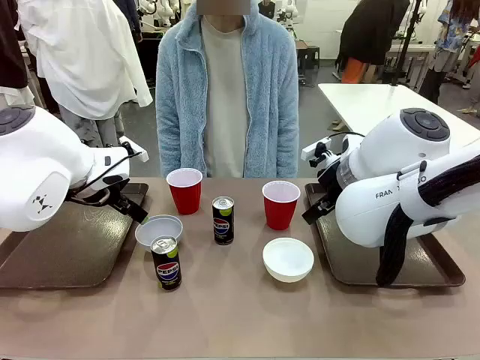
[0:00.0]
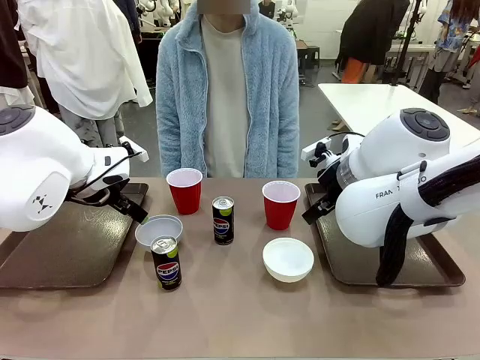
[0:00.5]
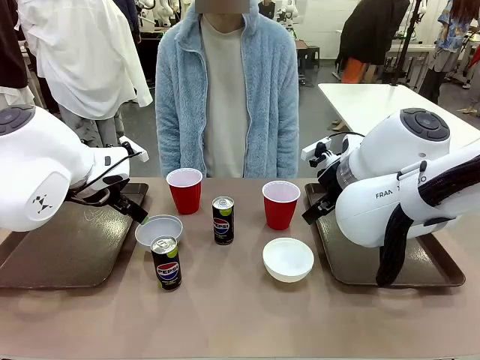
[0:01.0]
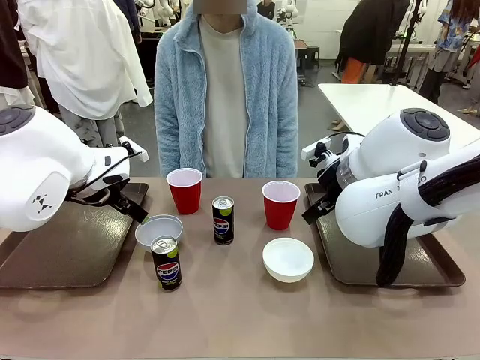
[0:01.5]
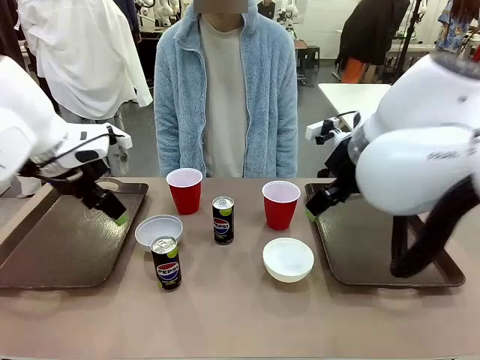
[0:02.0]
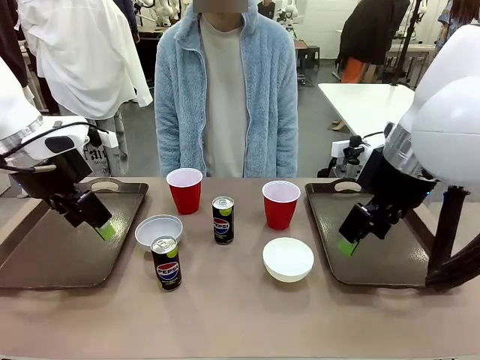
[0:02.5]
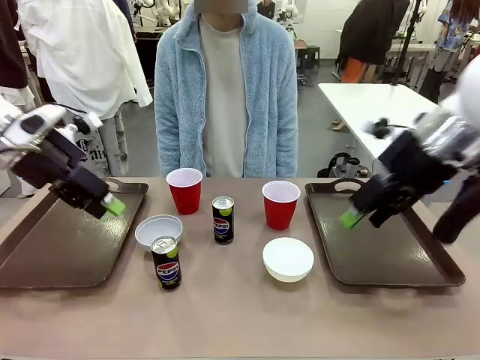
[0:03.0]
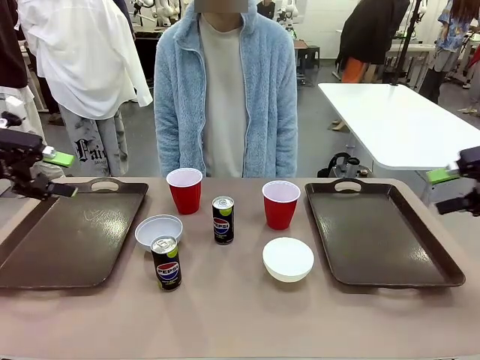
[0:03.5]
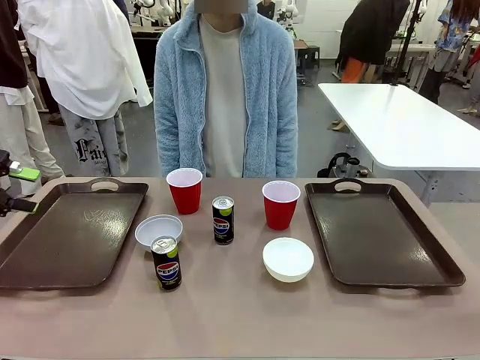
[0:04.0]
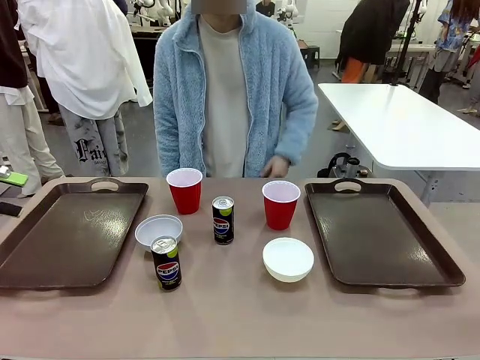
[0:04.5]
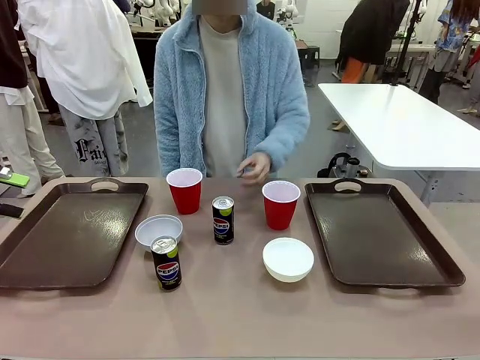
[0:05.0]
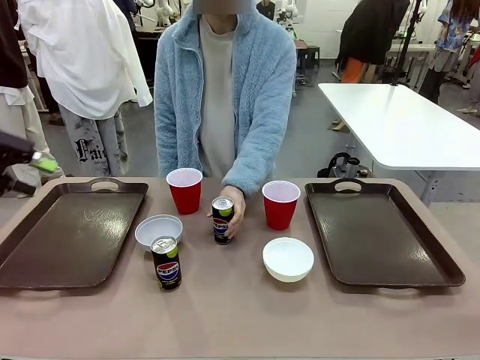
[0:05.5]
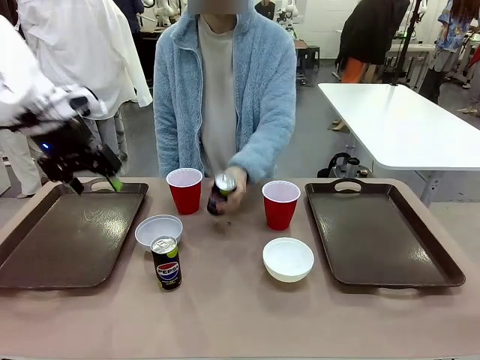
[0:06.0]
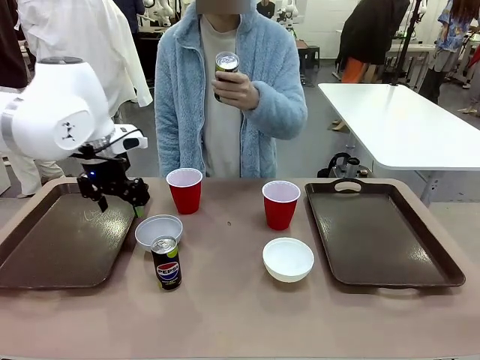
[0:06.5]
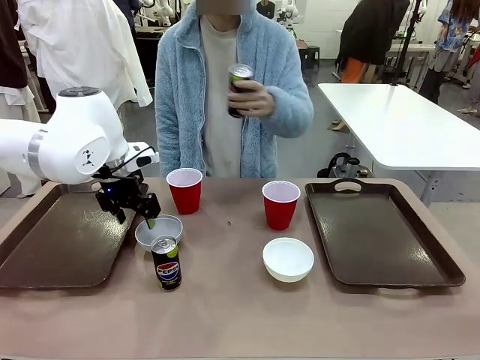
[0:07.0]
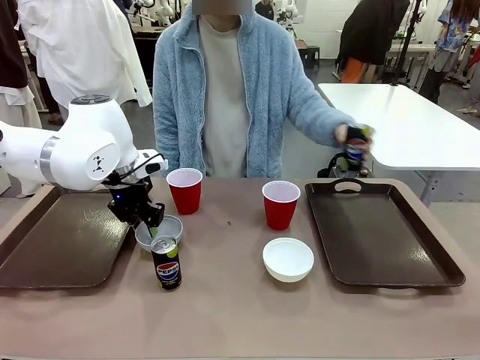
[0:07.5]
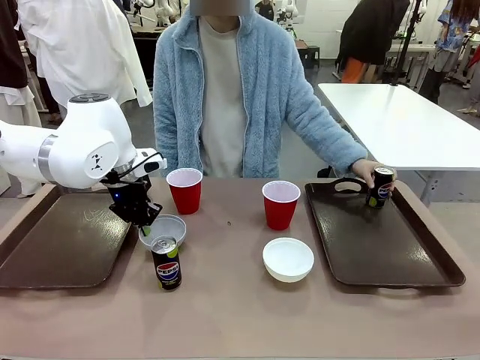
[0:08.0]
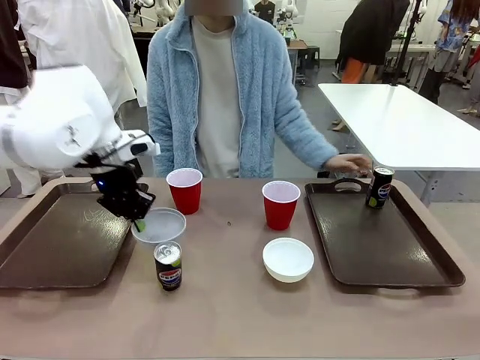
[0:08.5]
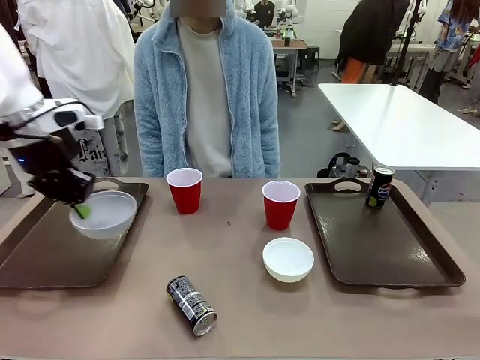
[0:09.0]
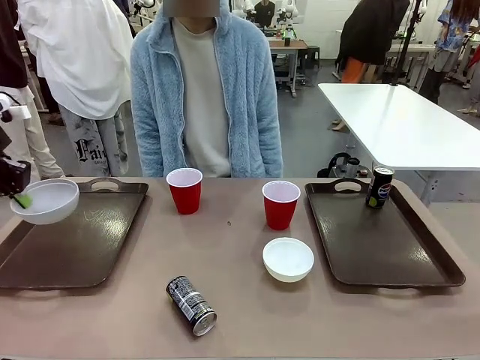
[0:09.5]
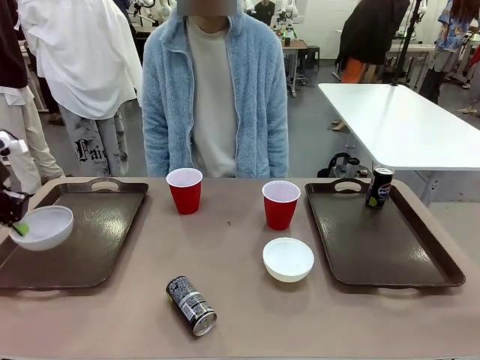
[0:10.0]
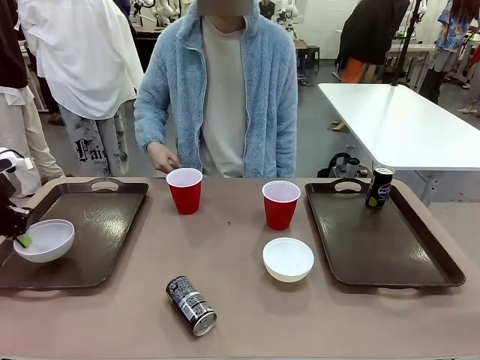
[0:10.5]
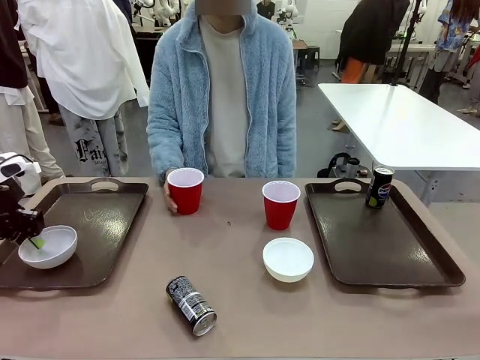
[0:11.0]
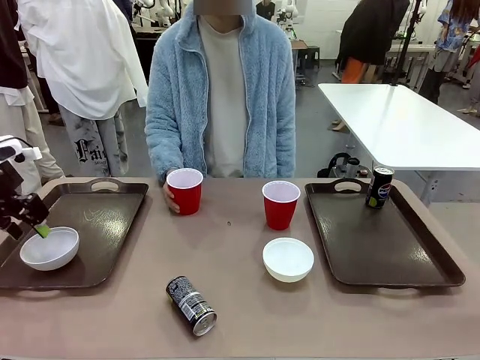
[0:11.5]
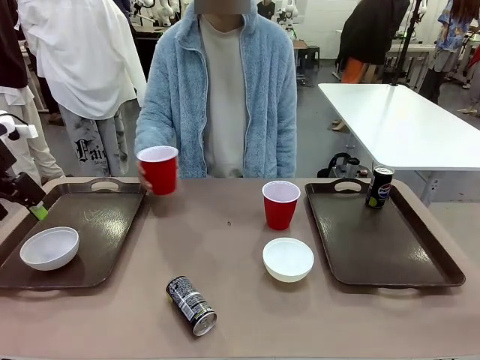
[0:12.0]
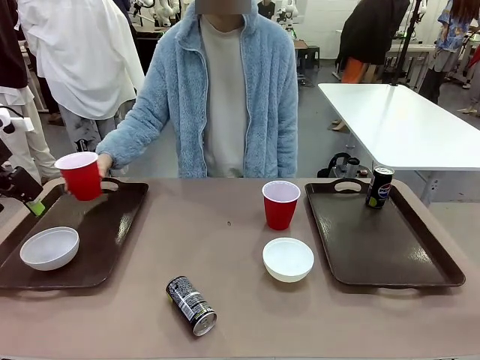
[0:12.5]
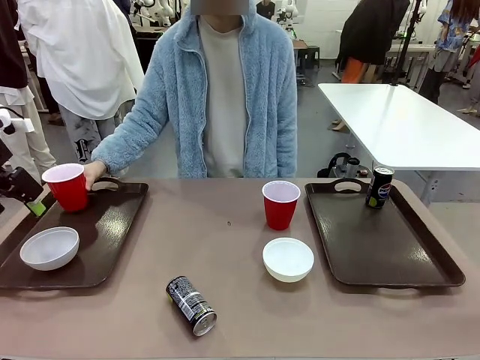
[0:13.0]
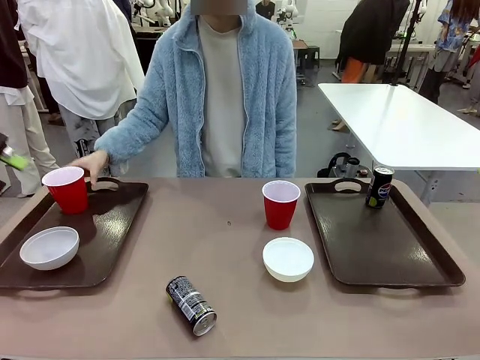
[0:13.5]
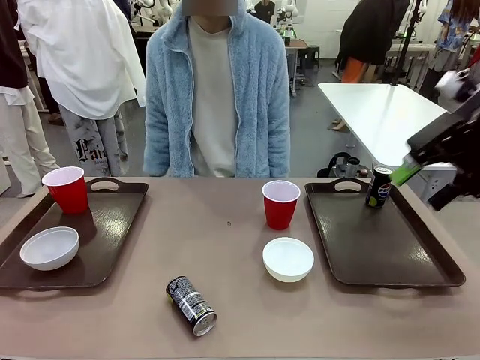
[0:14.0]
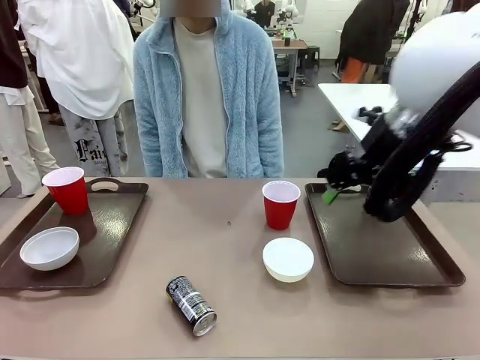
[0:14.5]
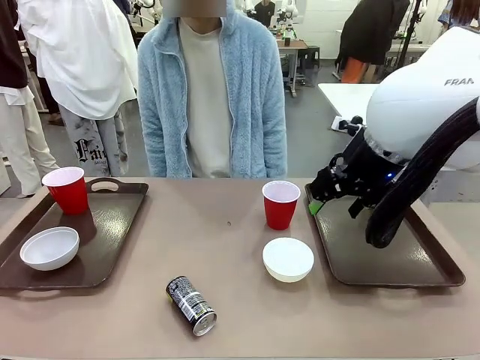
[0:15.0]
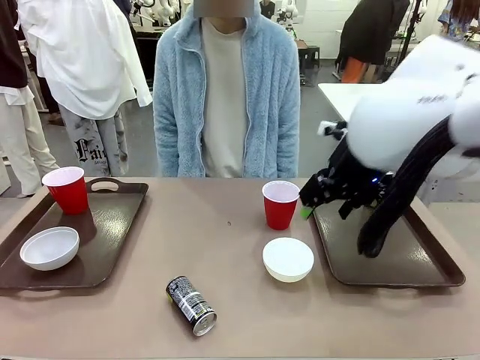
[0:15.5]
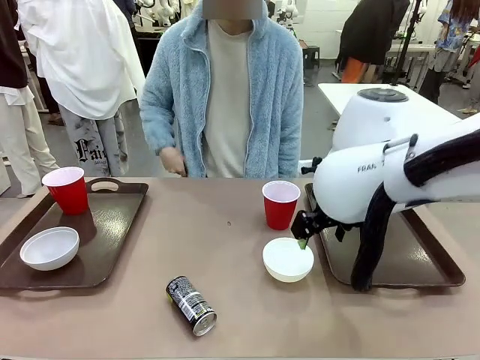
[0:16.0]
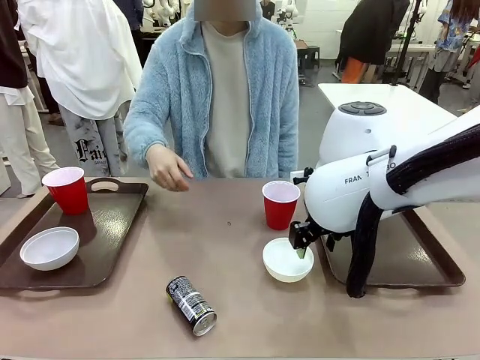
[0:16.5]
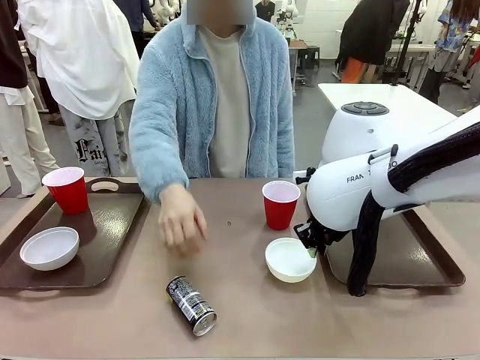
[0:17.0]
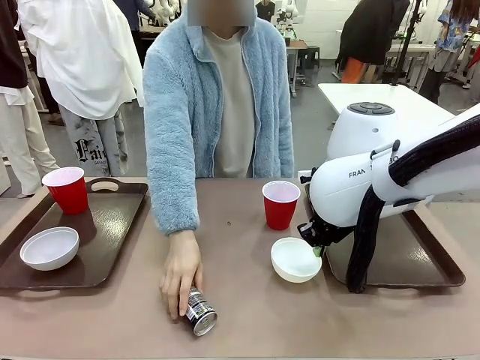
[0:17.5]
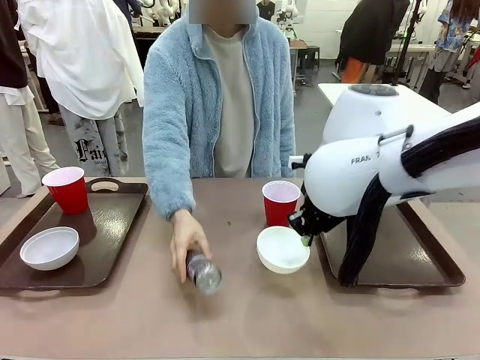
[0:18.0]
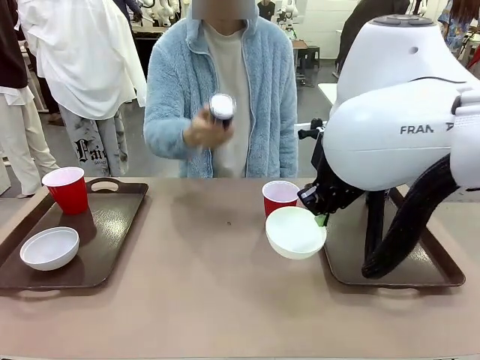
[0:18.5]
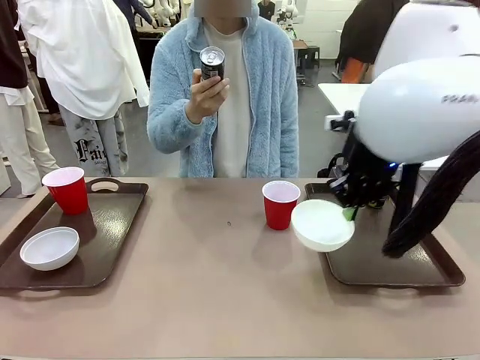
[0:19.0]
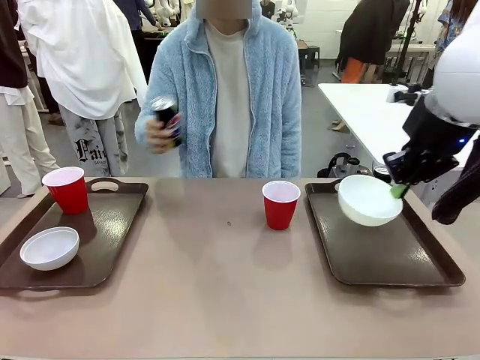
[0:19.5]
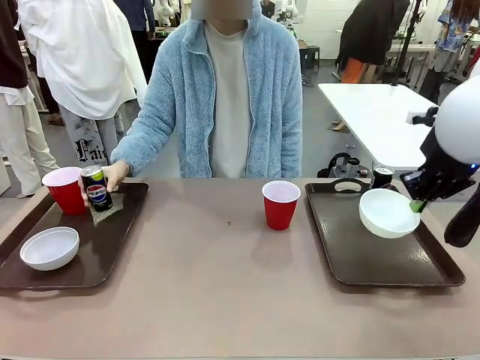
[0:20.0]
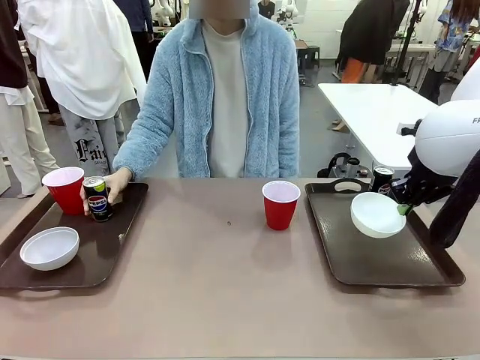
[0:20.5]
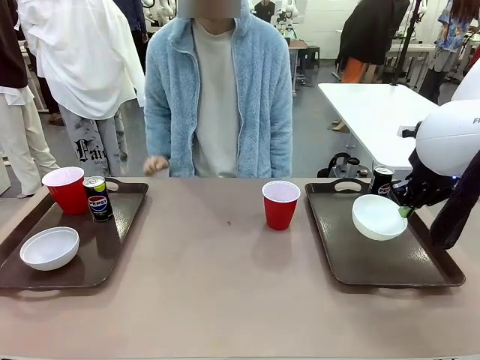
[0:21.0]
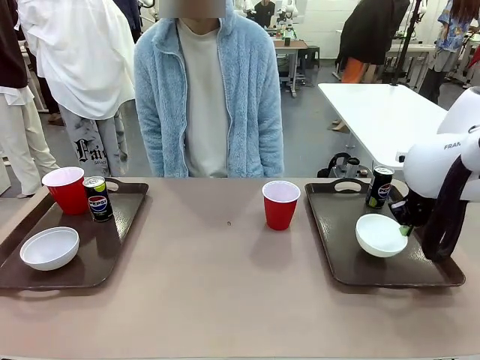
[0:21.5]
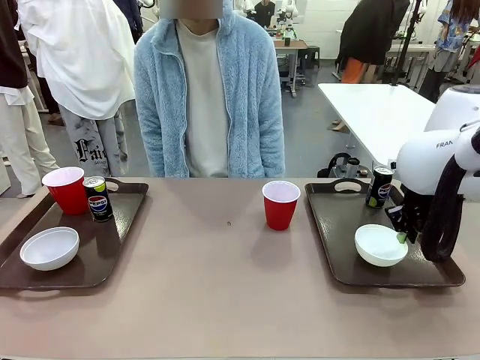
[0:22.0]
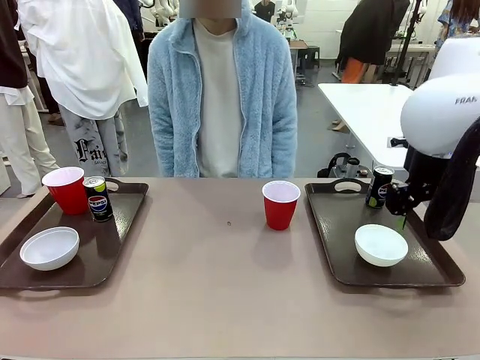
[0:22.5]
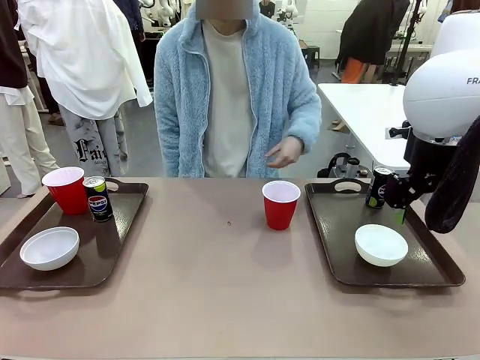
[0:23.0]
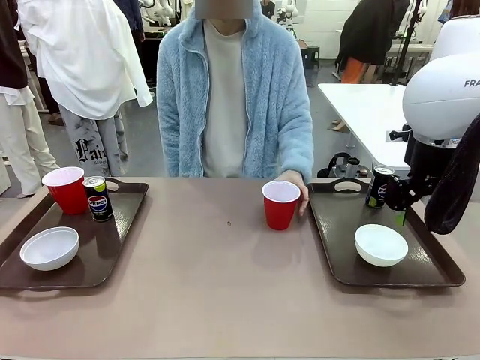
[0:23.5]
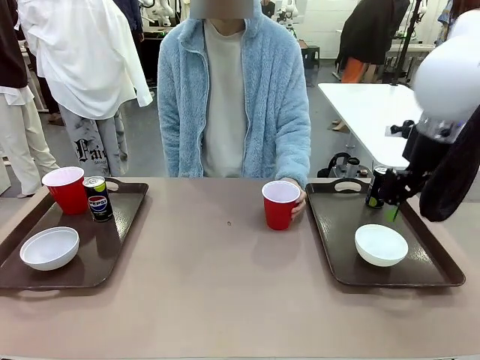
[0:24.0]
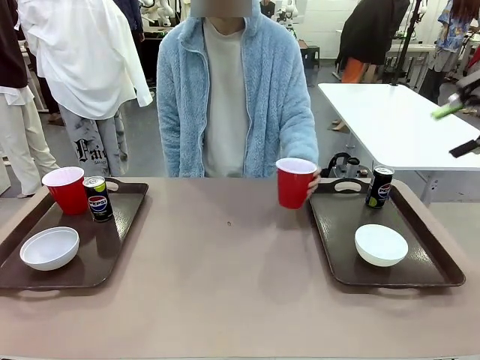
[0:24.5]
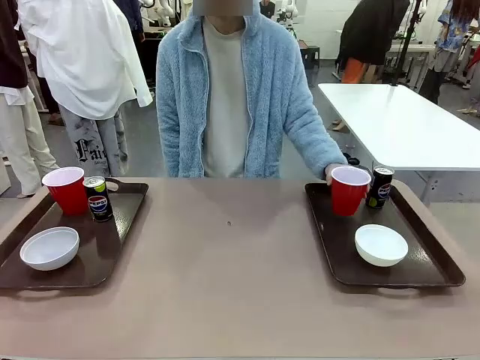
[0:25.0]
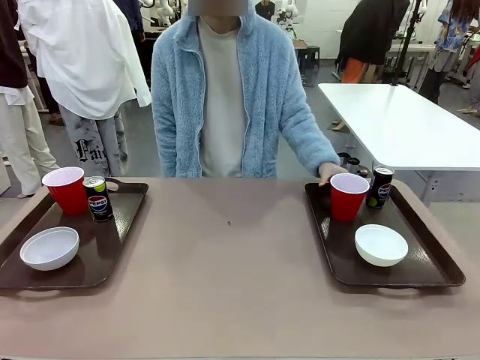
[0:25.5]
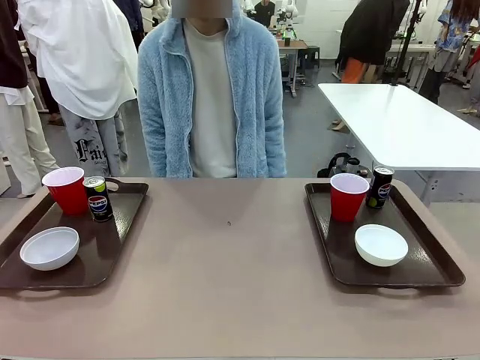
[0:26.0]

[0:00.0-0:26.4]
Task: Prepare tableware on both trays.
Robot: Pick up a Picnic Bowl from the table and place it on a Handle tray.
Person: Pick up a can or cup and place it on the tray. Pick up a can or cup and place it on the tray without a can or cup.
